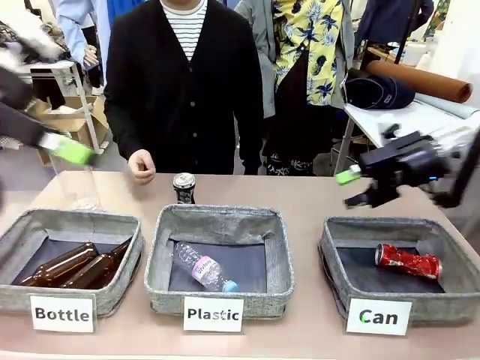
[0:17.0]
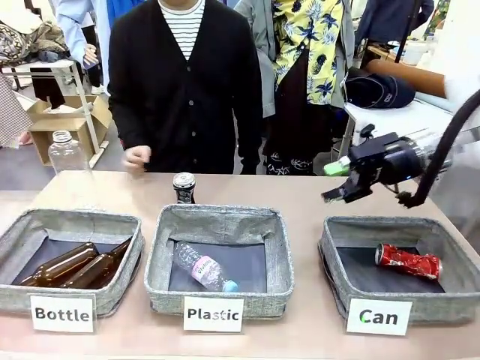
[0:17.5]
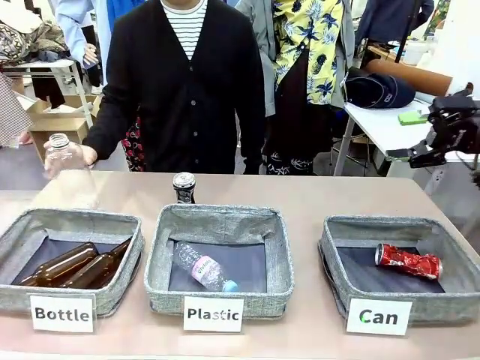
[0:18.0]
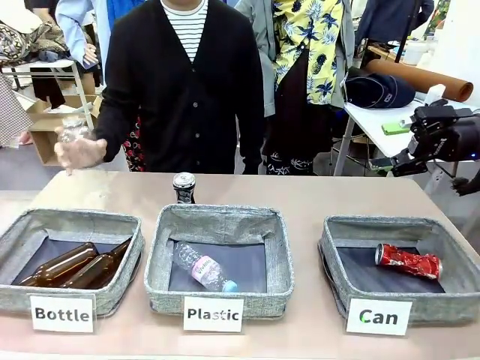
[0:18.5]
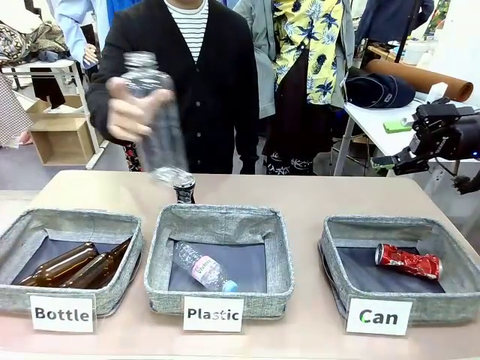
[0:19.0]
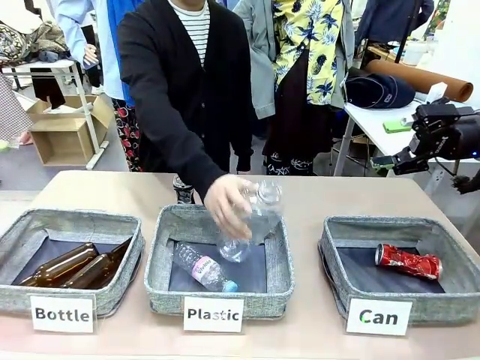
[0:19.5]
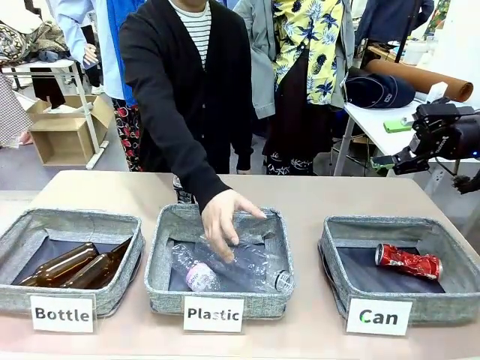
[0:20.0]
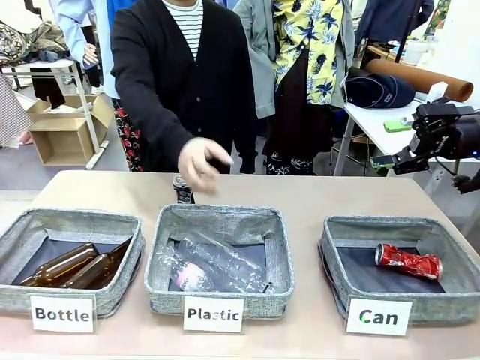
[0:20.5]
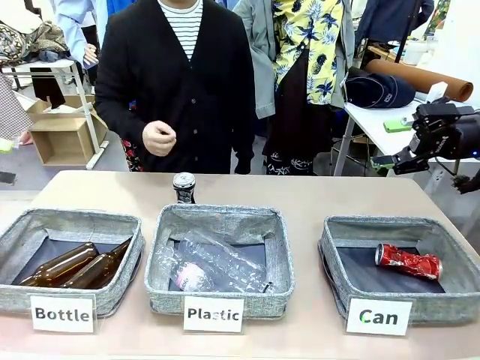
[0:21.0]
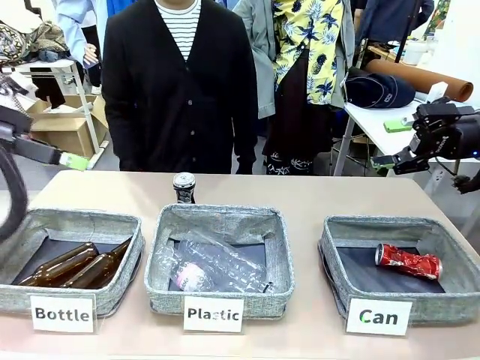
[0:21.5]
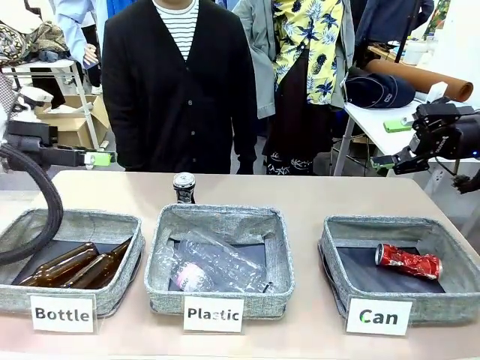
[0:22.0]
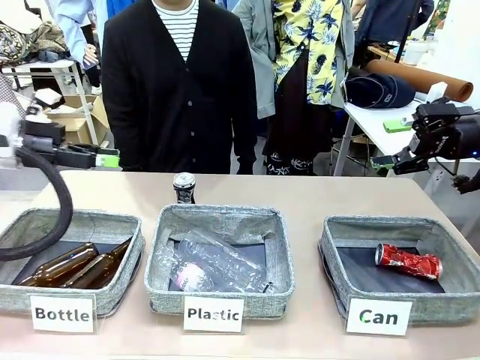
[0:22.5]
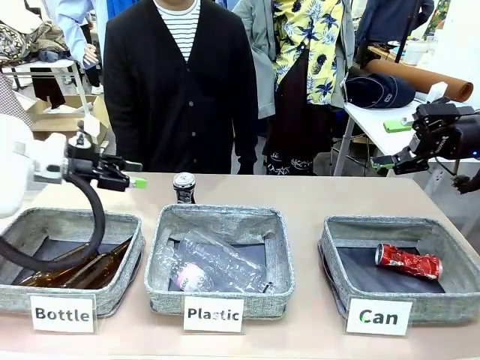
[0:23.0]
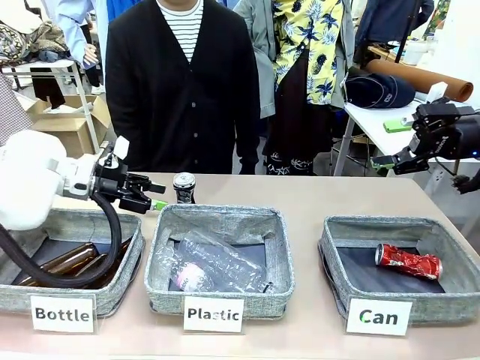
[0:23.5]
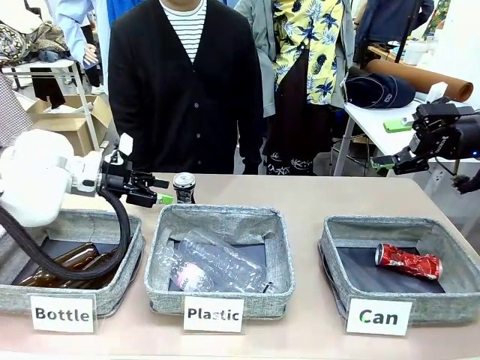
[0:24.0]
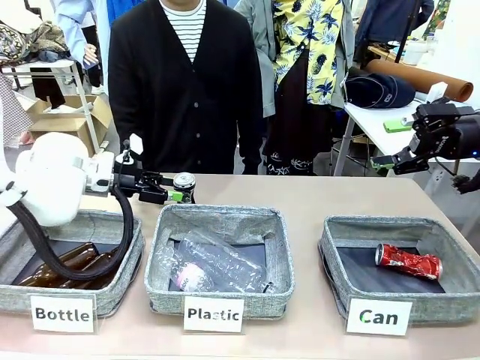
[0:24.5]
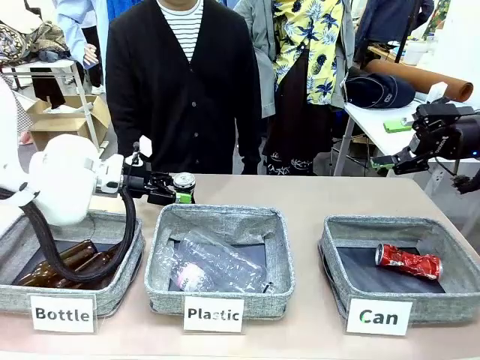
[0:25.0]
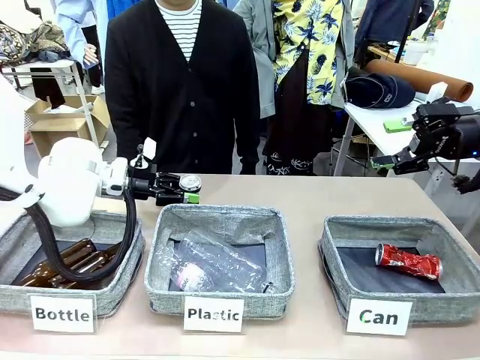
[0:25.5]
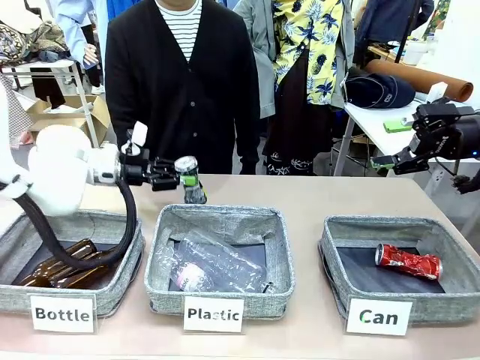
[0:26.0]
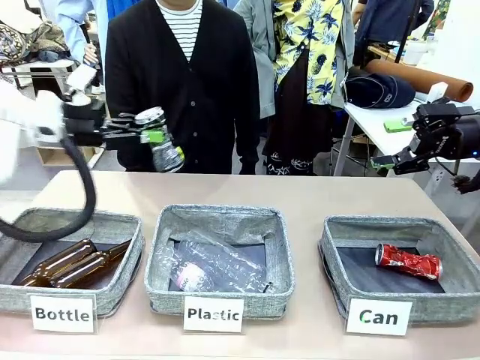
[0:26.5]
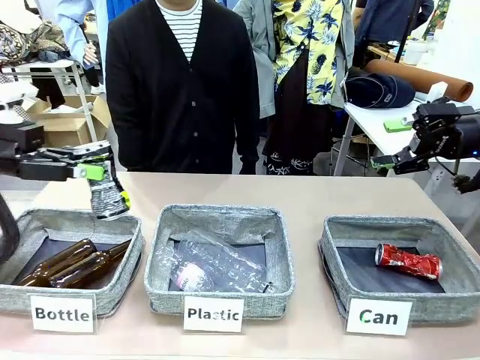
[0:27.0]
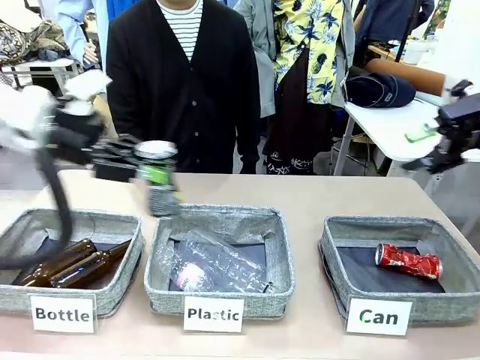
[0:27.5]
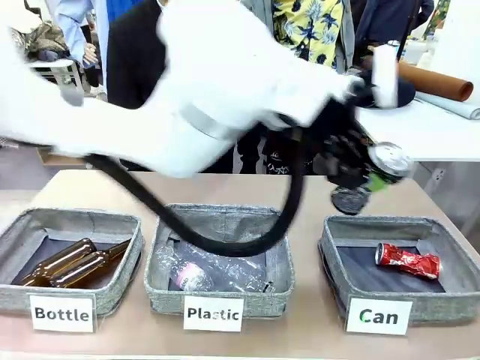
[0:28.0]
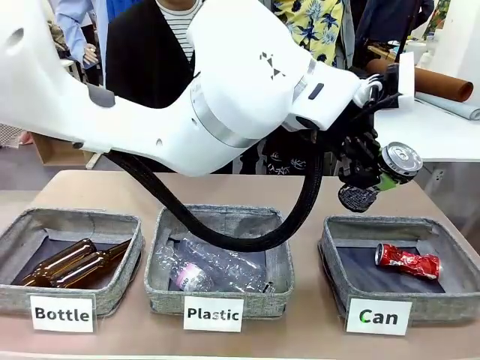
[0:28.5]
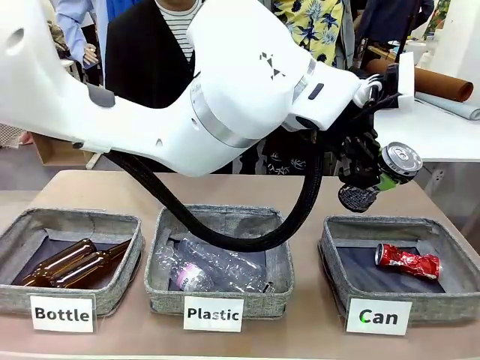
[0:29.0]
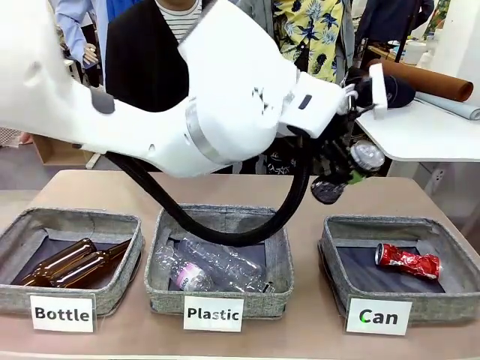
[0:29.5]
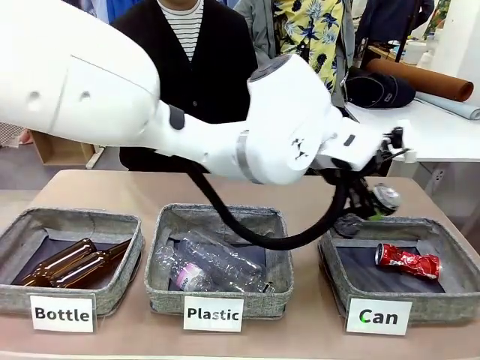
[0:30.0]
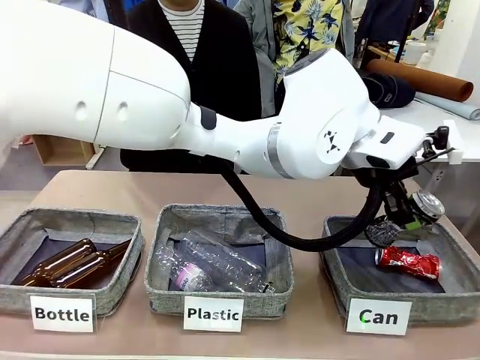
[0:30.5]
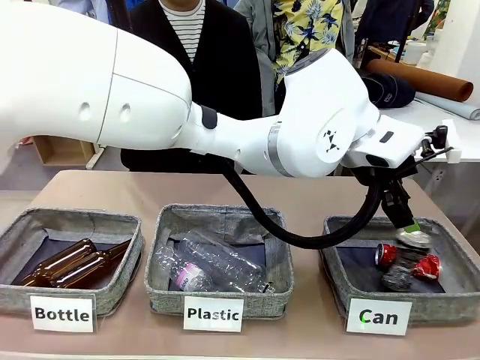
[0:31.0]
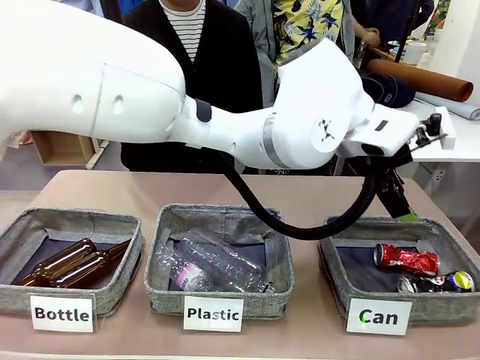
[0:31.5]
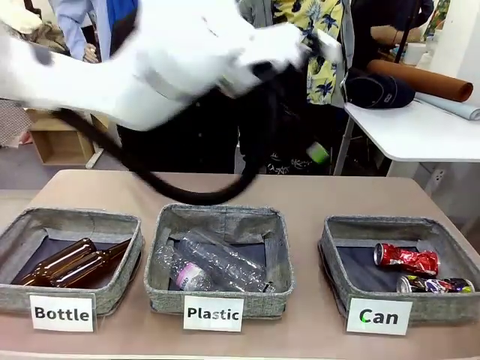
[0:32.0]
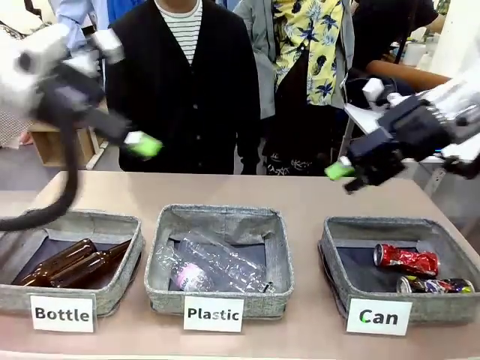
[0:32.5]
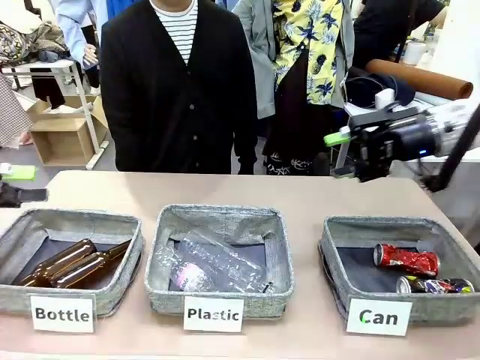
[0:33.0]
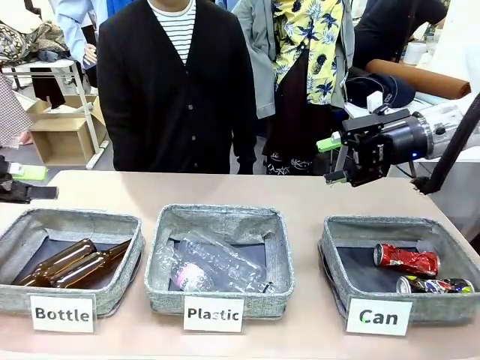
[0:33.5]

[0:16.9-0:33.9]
Task: Sort the can waste into the basket.
Robot: Pick up the can waste from the table and place it in the right Fabric basket.
Person: The human picks up one piece of trash that is not a can and places the trash into the appropriate organizing basket.

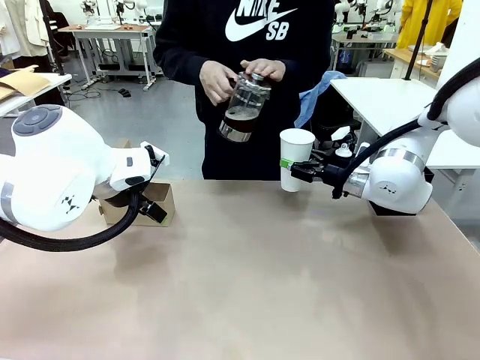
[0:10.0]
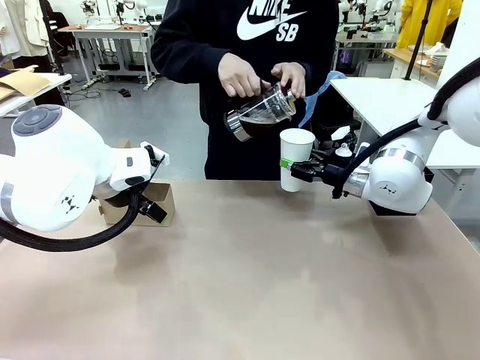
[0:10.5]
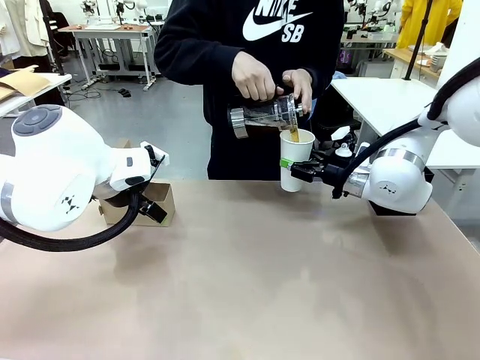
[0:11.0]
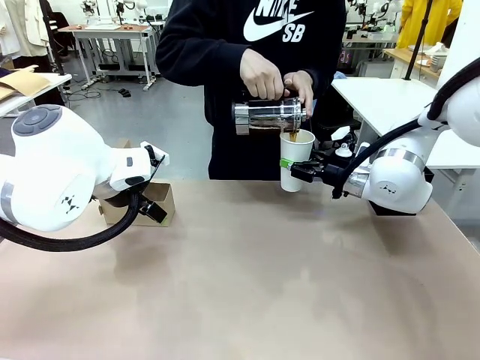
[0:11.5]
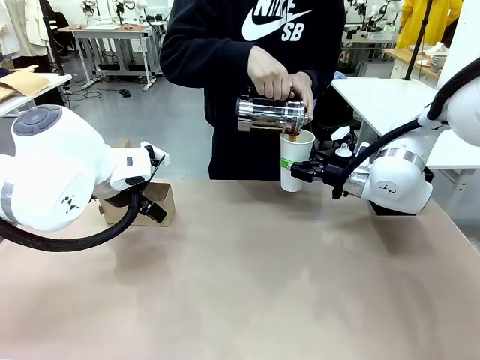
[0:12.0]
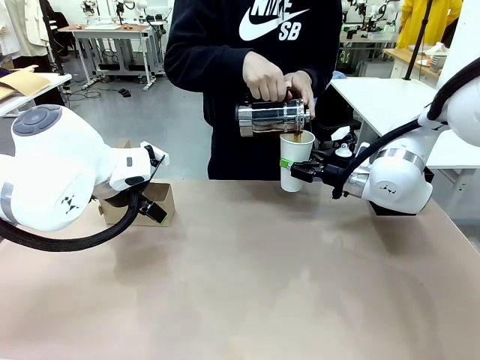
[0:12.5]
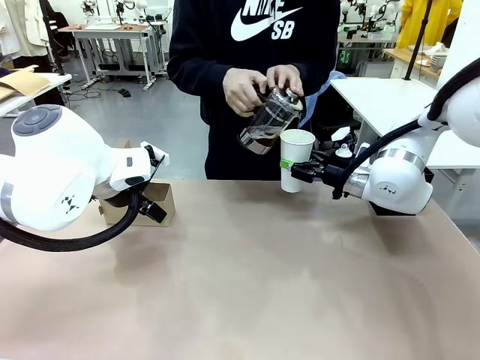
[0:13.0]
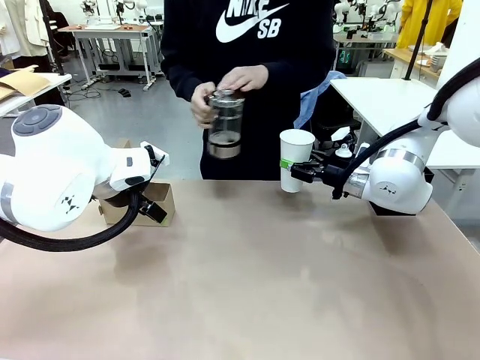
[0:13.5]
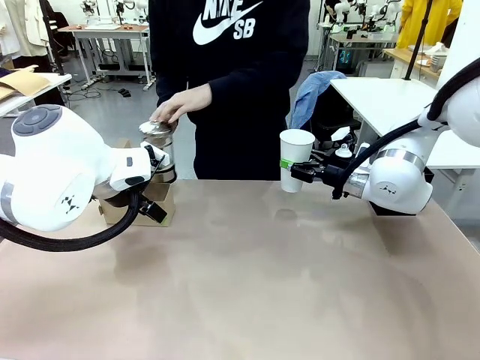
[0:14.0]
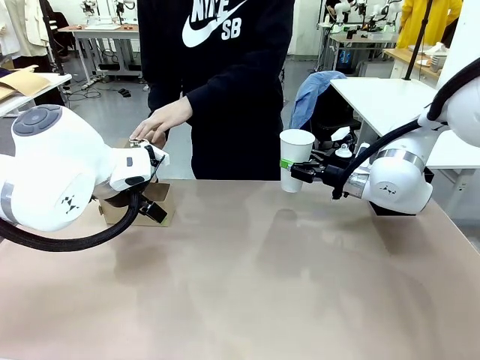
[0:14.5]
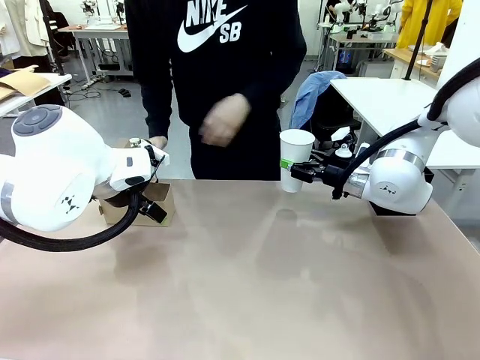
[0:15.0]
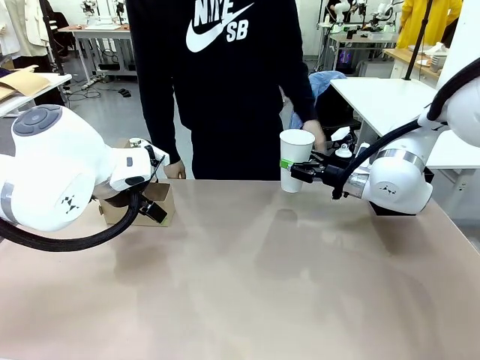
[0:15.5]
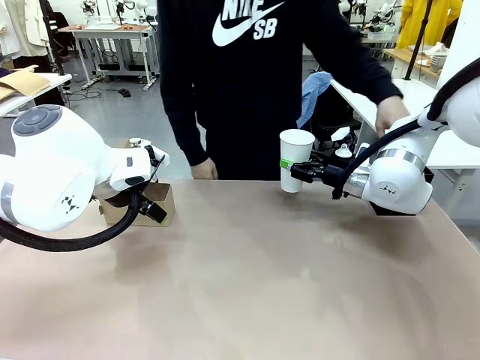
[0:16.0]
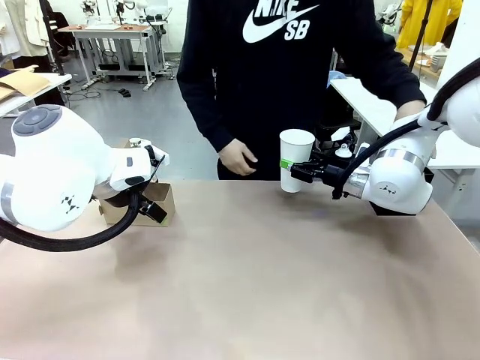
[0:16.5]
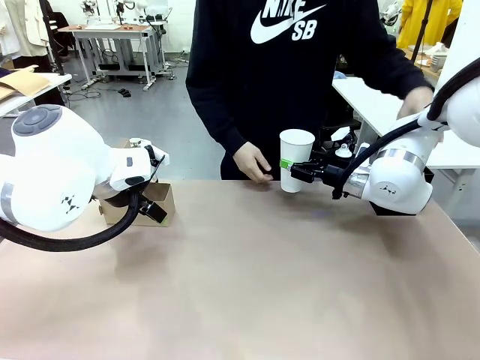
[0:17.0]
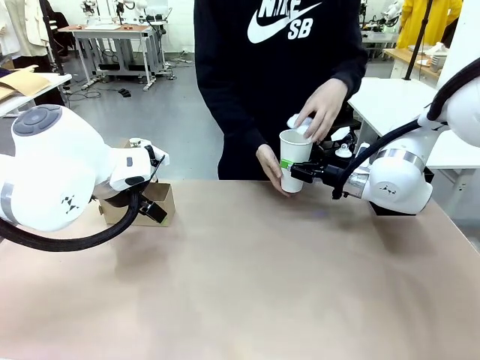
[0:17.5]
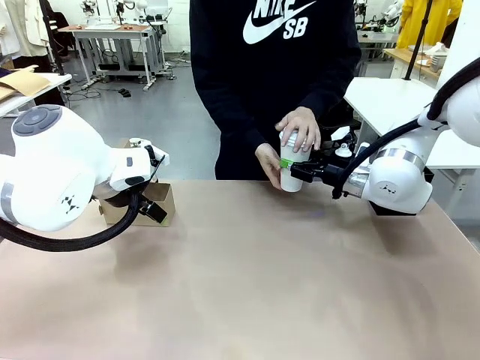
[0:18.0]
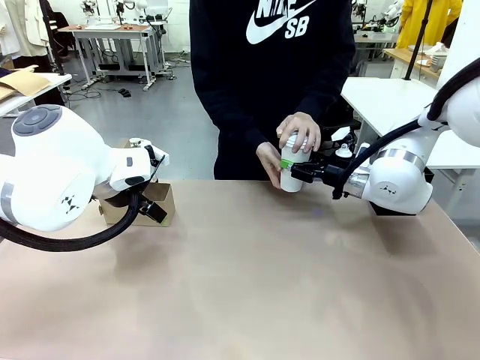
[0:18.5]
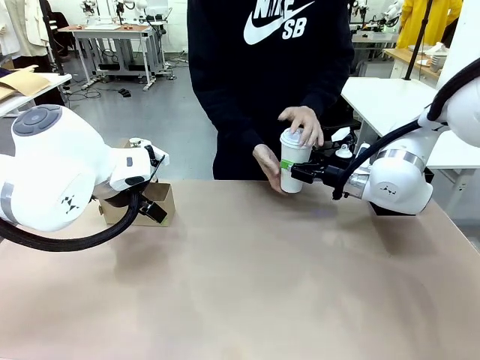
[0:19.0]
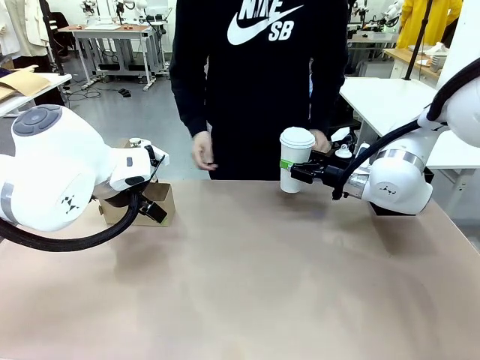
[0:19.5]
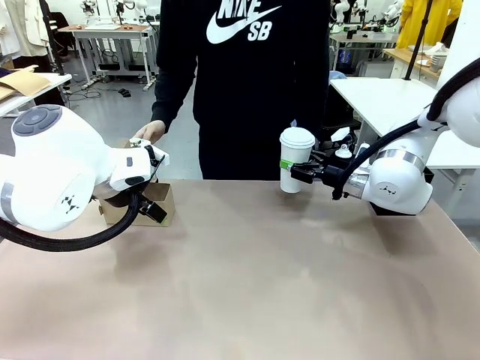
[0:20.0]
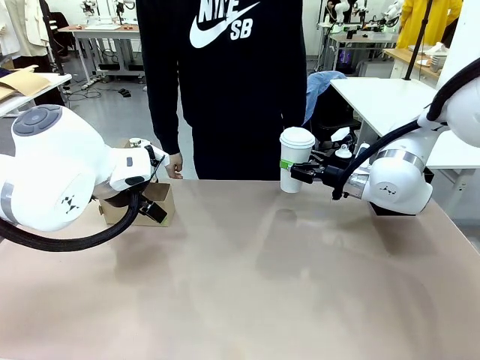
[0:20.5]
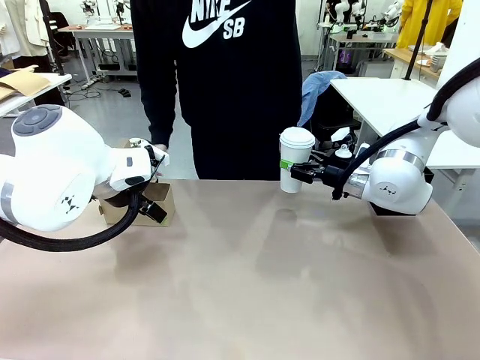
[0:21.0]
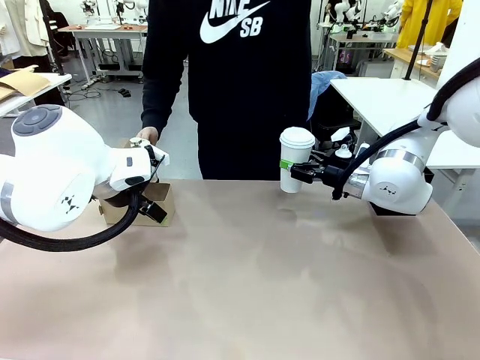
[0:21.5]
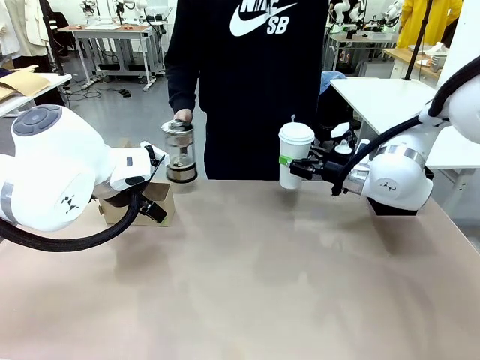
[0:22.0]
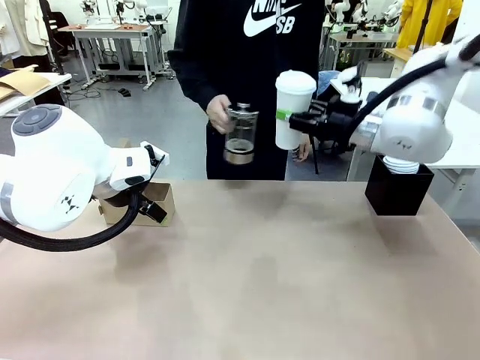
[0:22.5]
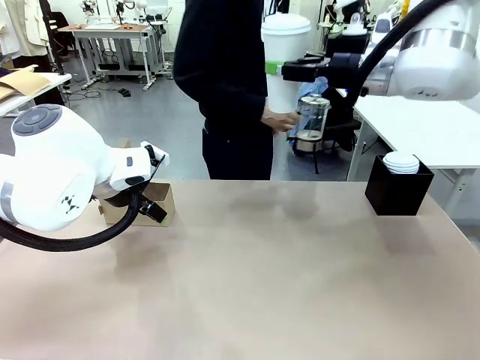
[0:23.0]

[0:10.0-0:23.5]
Task: Pour a drink into a cup and package it in a carrier.
Robot: When a person places the Paper Cup Lid on the 600 ml Paper Cup , lift the 600 ml Paper Cup.
Person: Pour the drink from the Filter Brewing into the 600 ml Paper Cup. Place a Paper Cup Lid on the 600 ml Paper Cup.
